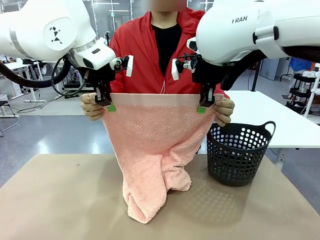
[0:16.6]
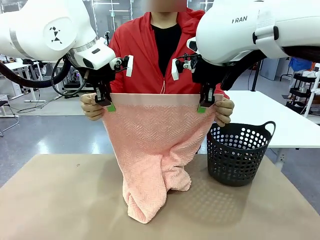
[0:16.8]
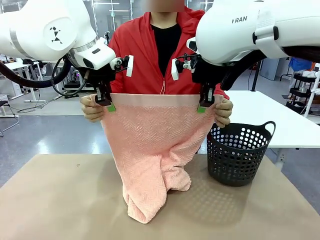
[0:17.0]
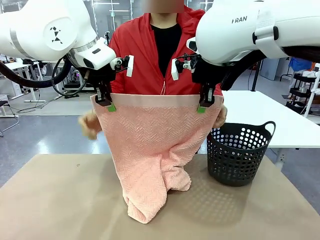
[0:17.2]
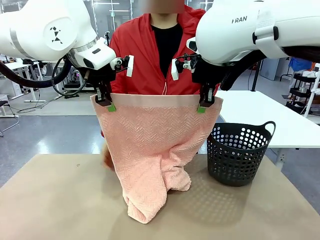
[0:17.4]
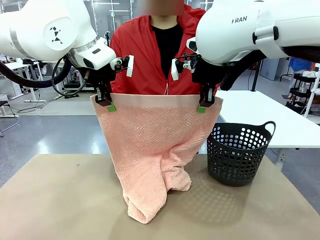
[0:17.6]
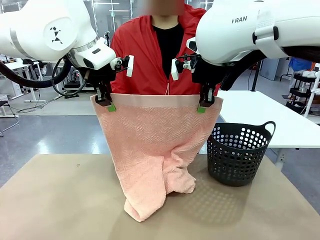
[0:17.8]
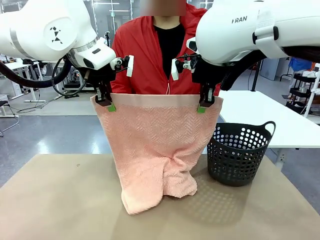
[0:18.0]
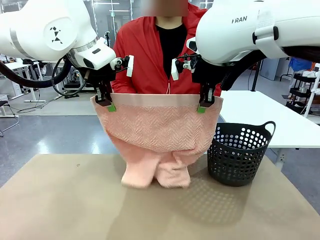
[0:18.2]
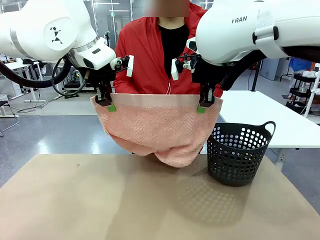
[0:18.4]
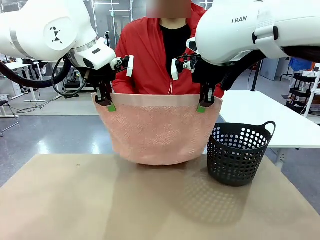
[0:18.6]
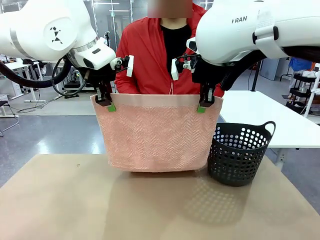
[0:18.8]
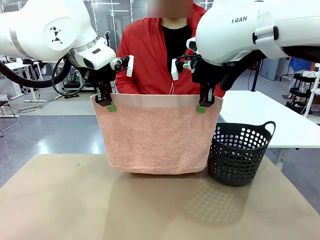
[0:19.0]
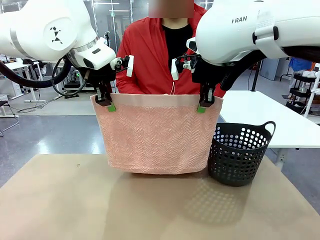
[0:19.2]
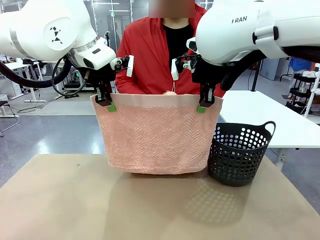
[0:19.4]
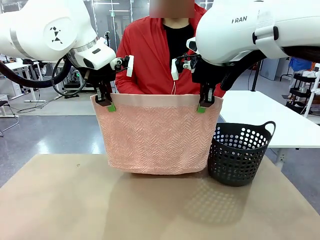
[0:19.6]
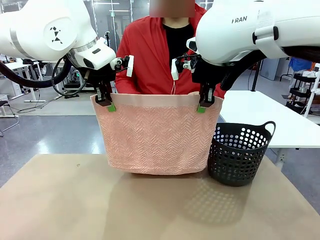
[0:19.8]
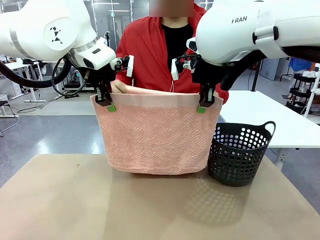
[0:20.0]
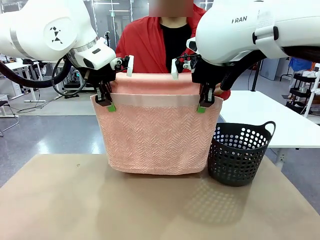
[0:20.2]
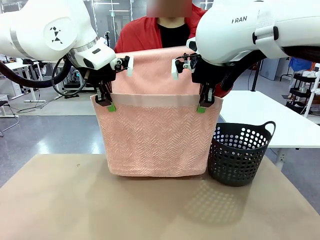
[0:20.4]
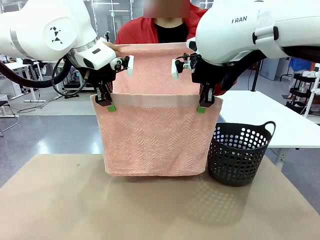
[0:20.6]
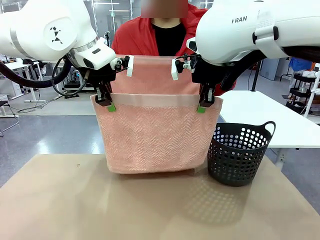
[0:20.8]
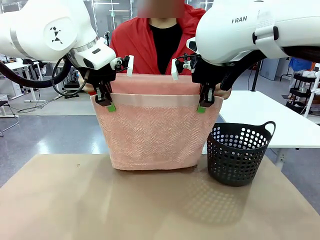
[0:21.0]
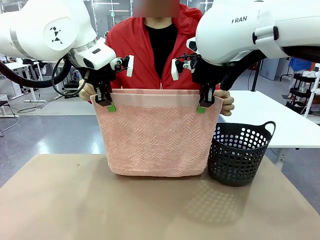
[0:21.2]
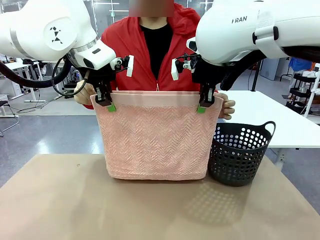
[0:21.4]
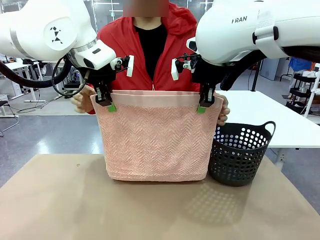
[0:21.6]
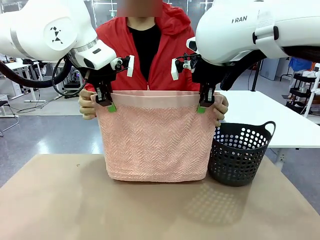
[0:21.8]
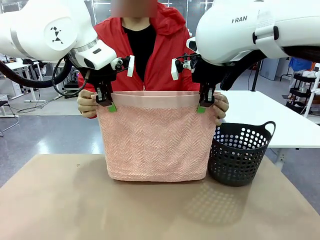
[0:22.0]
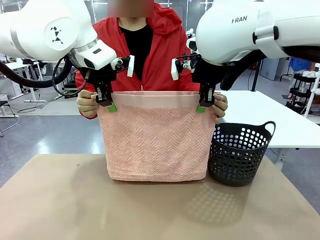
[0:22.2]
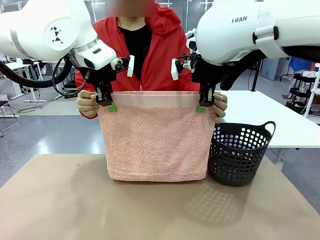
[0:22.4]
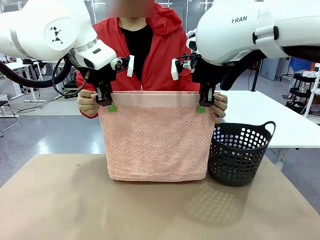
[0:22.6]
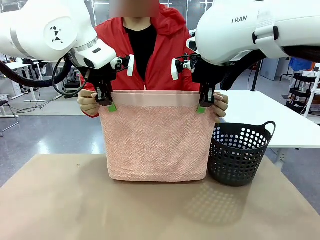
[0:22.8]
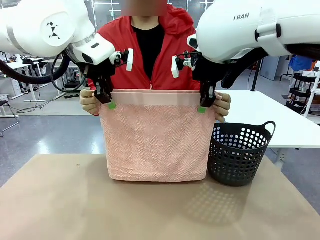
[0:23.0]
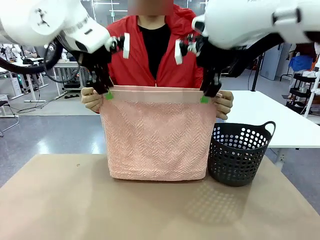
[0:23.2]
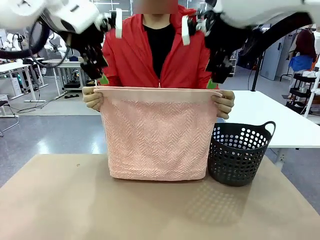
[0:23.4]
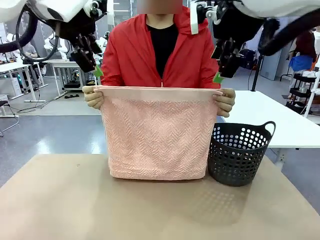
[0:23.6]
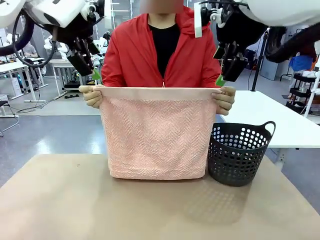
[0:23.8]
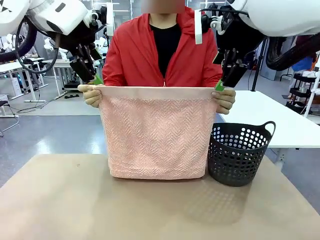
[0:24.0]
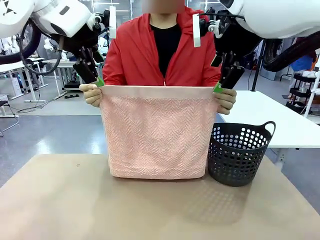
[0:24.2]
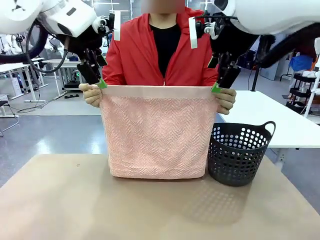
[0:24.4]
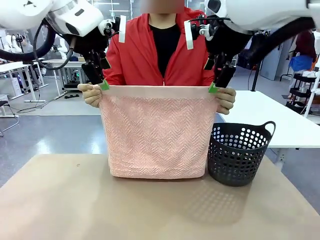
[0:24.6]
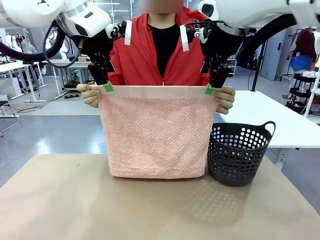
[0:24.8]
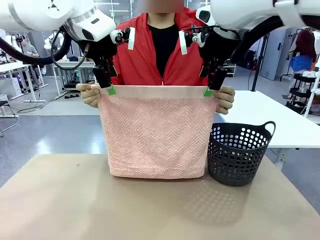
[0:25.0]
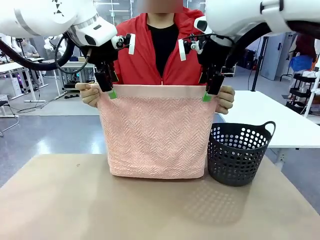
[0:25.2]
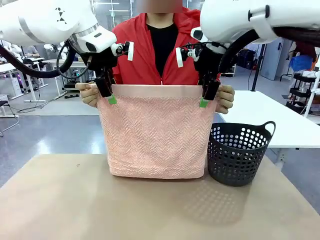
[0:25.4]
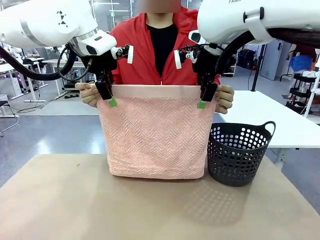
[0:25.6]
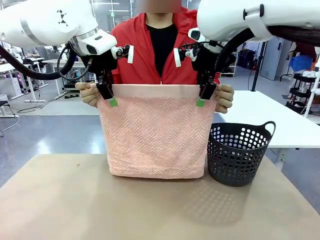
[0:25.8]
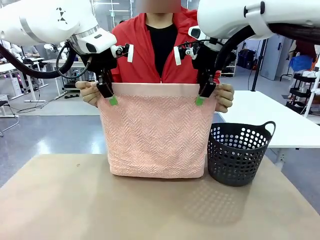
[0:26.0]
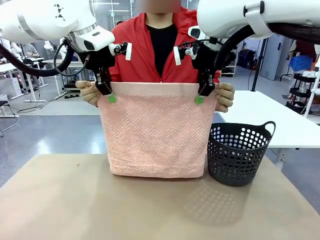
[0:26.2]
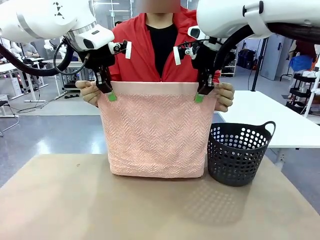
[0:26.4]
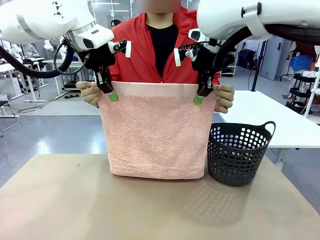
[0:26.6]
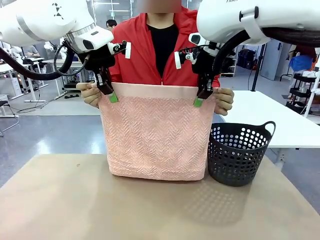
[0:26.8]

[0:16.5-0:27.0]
Task: Fold the towel.
Robot: Release the end of the 100 cm Hotel Towel you were holding and grab the top end of the folded side.
Person: Using the point held by the robot as a reference, grasp the opposite end, fold the towel in half, and then hold both ends of the folded towel.

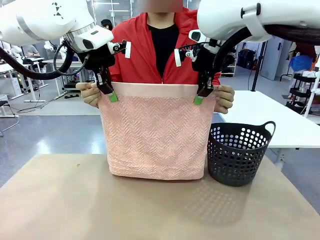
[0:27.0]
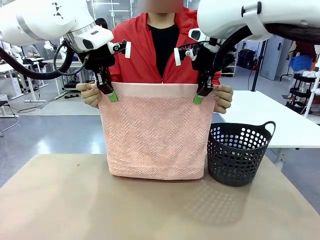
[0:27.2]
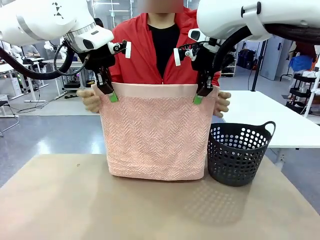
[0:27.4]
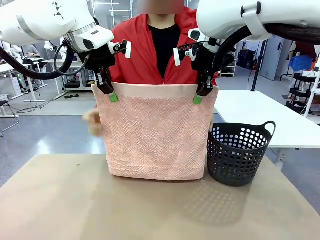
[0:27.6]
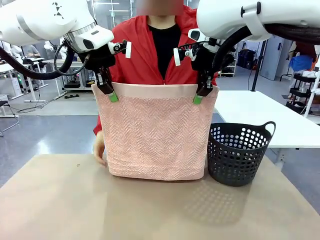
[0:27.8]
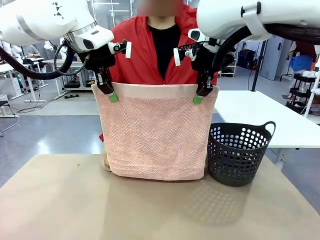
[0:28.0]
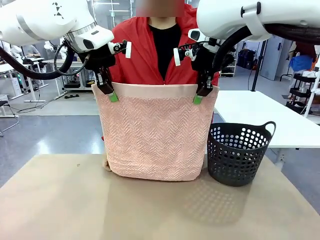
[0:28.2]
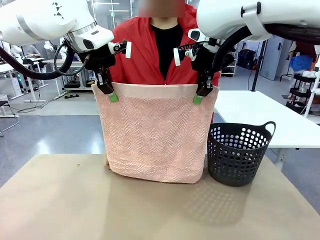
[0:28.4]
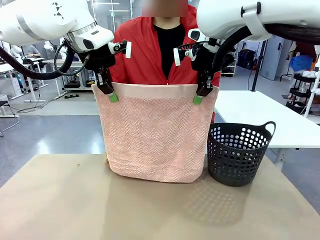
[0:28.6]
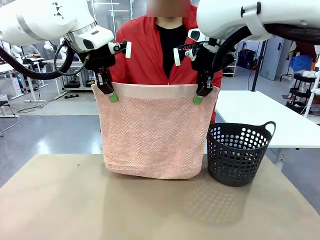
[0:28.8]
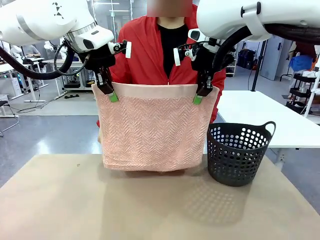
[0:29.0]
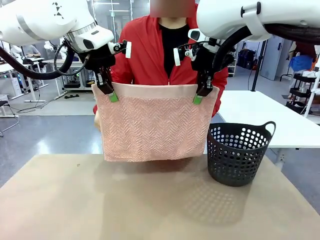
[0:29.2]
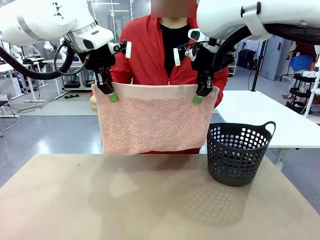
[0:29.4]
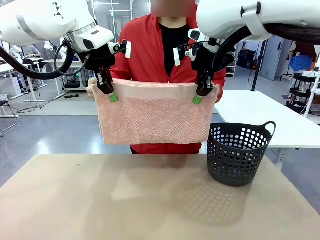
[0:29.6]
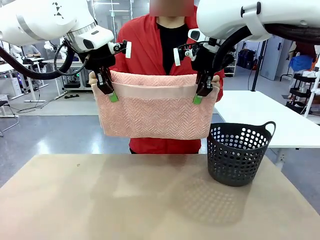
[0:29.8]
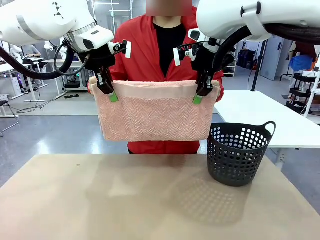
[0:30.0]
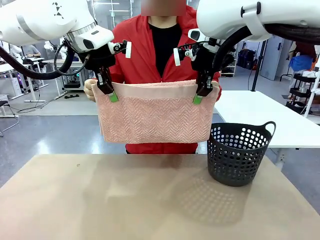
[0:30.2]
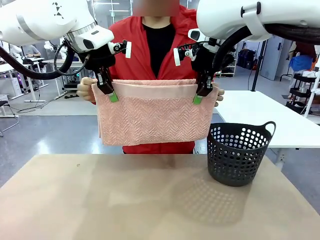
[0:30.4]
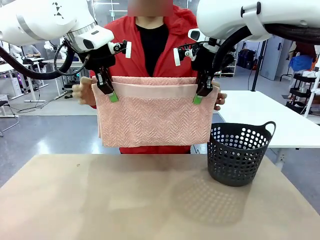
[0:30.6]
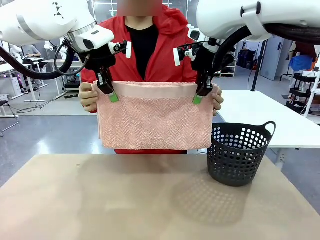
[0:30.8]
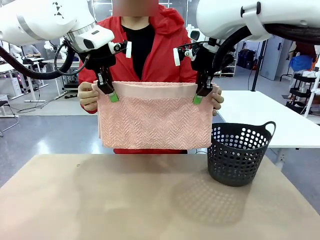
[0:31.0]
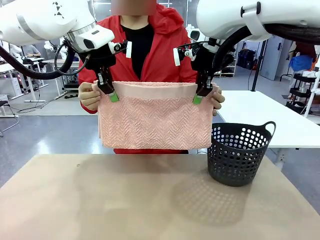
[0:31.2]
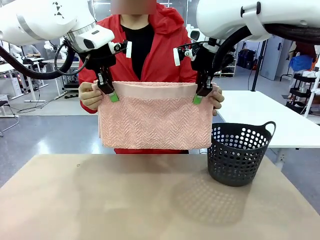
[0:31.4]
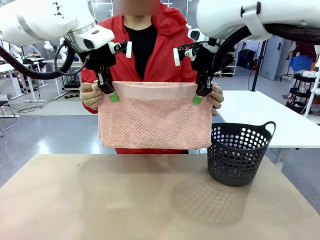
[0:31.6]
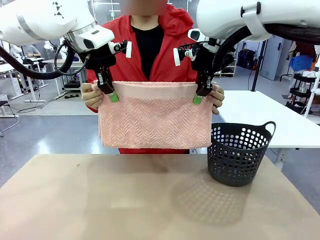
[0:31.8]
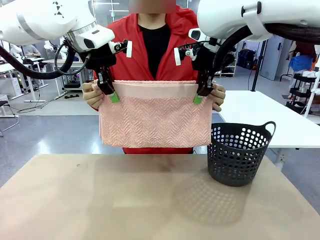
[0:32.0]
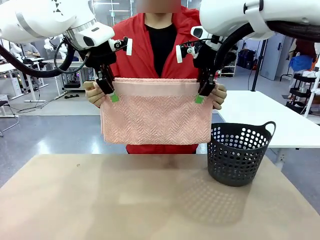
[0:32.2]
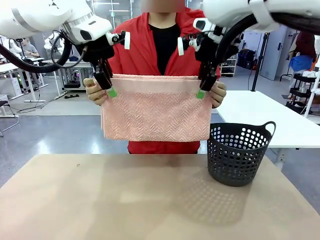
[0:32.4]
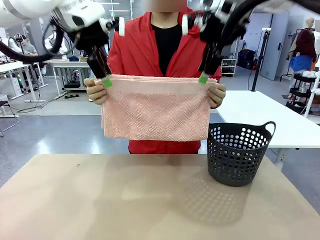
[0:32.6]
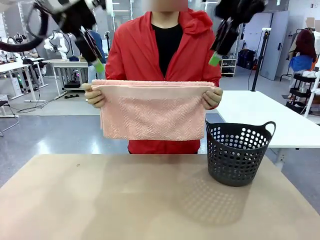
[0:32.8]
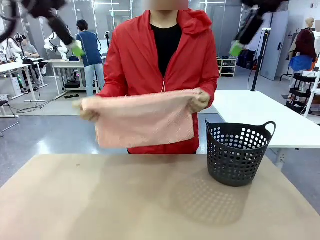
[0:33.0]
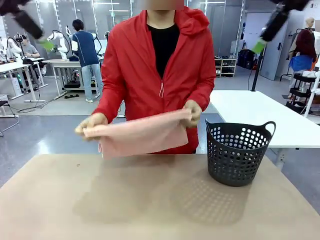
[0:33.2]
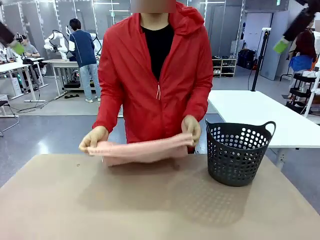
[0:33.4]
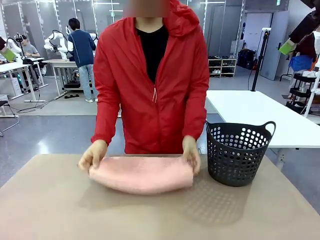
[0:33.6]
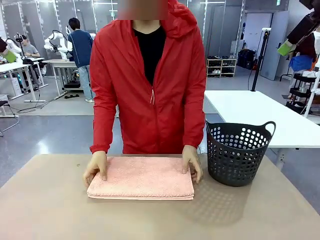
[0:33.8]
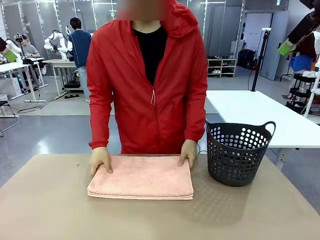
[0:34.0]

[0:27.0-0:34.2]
Robot: Release the end of the 100 cm Hotel Towel you were holding.
Person: Place the towel at the center of the robot table and fold it in half.
